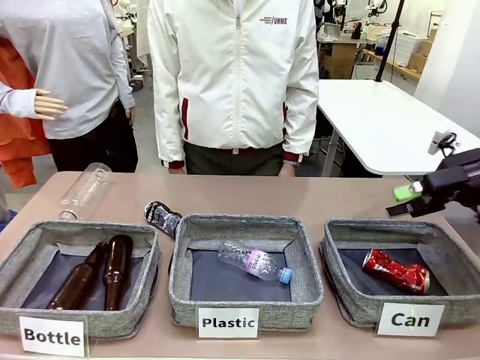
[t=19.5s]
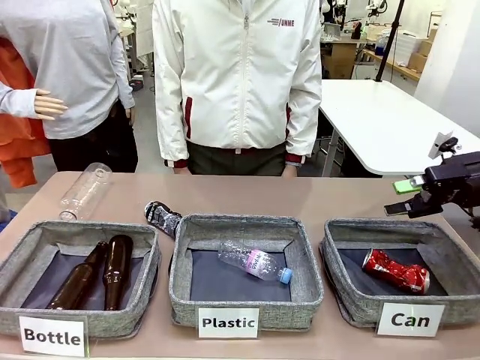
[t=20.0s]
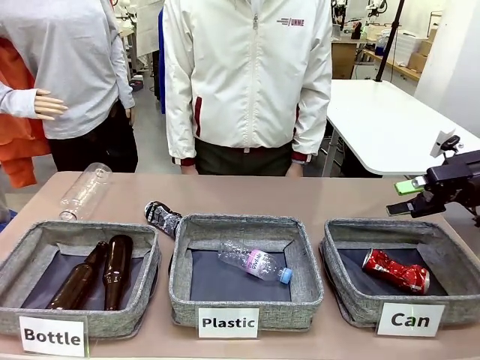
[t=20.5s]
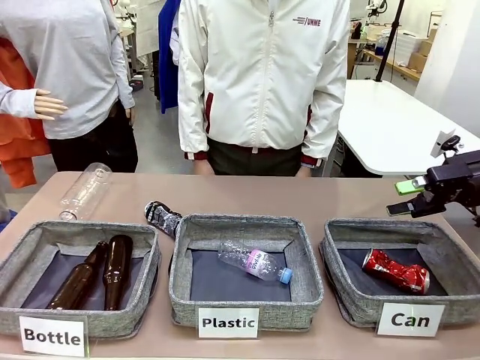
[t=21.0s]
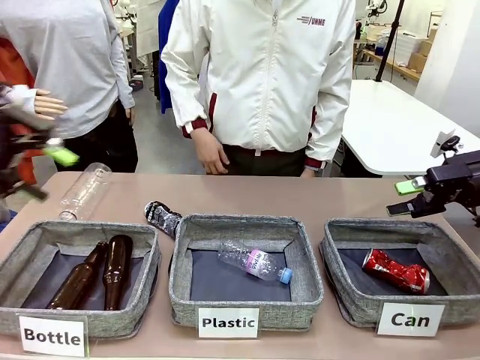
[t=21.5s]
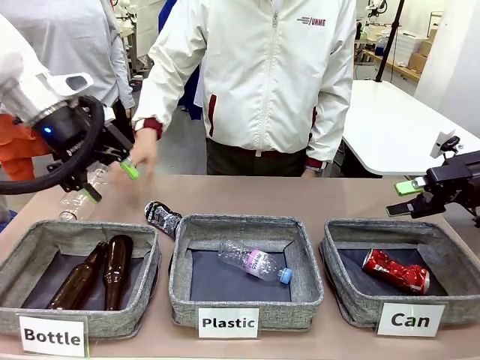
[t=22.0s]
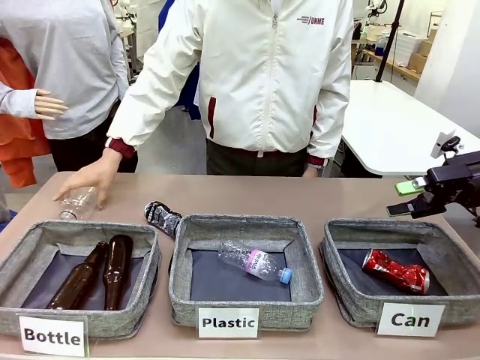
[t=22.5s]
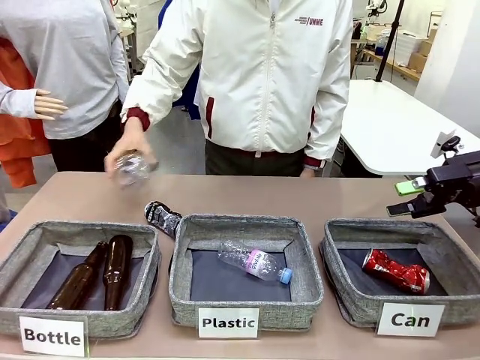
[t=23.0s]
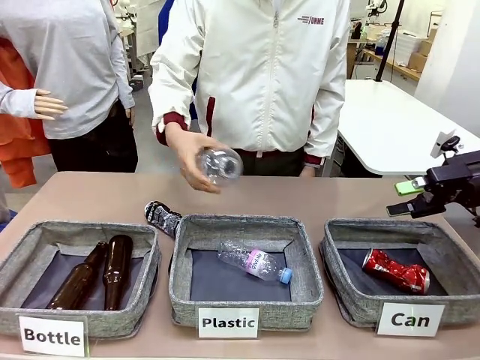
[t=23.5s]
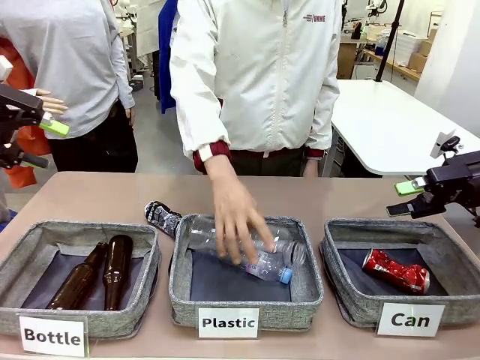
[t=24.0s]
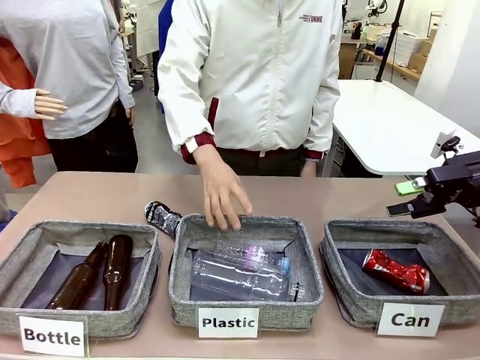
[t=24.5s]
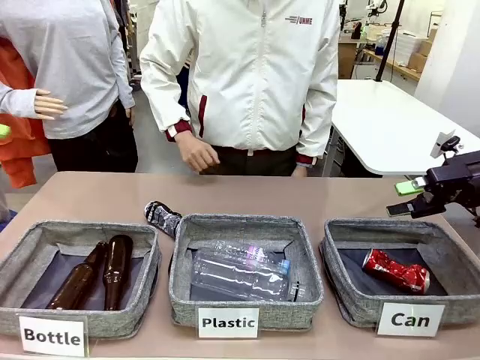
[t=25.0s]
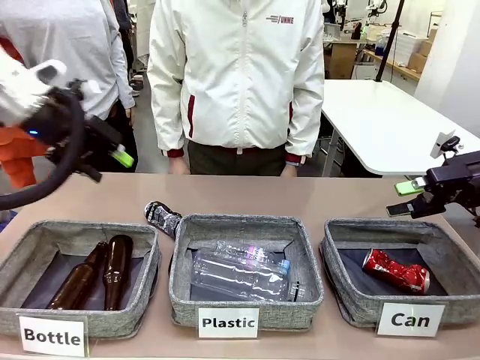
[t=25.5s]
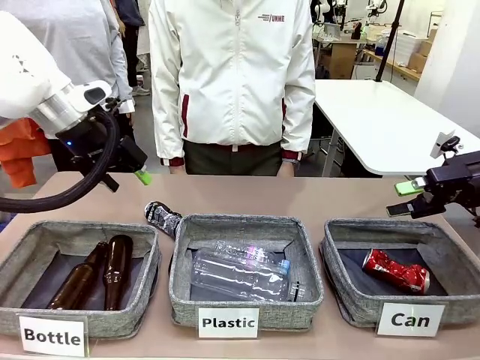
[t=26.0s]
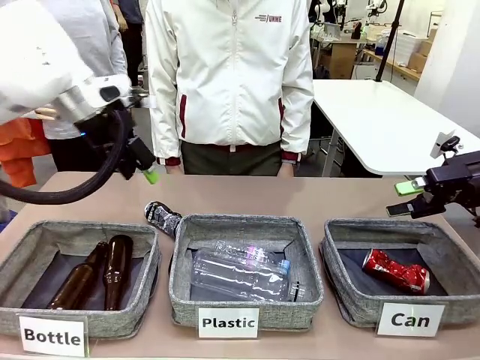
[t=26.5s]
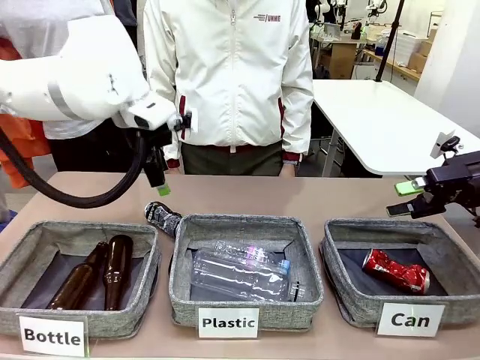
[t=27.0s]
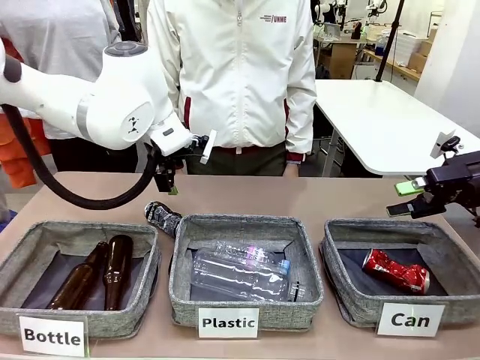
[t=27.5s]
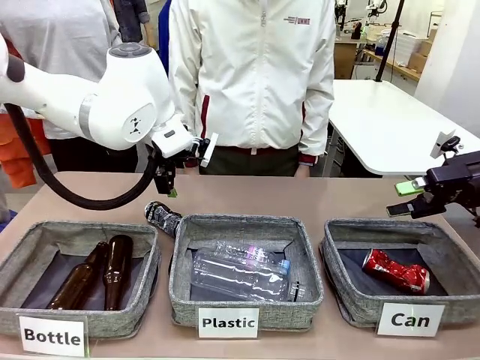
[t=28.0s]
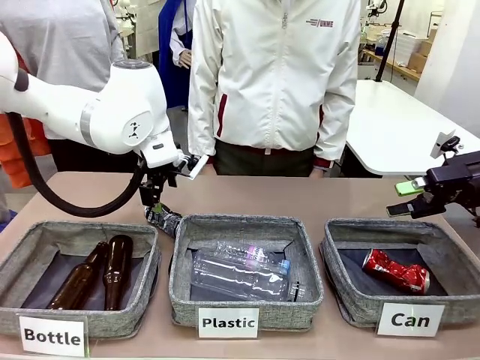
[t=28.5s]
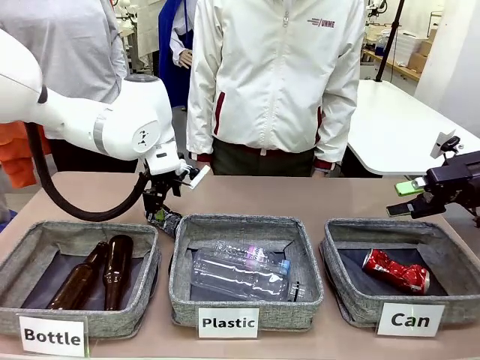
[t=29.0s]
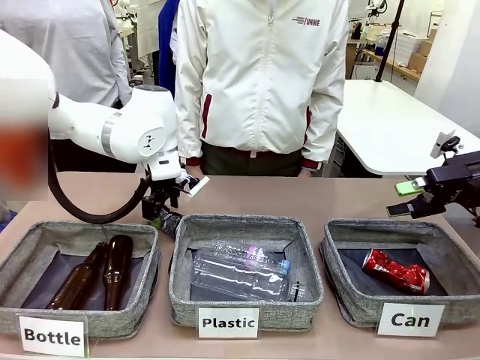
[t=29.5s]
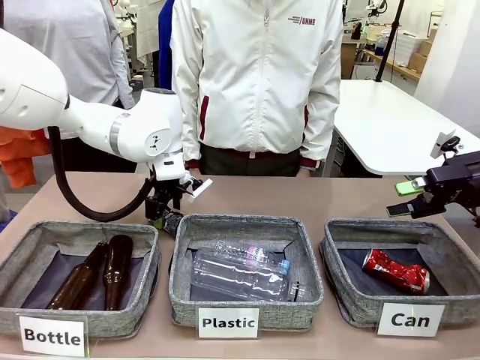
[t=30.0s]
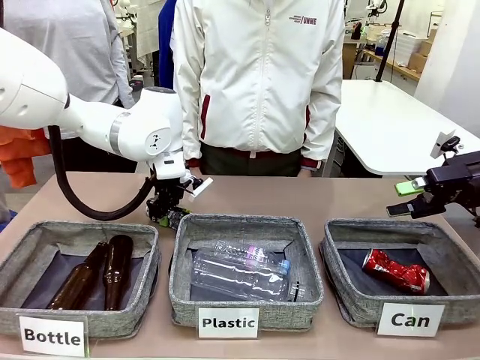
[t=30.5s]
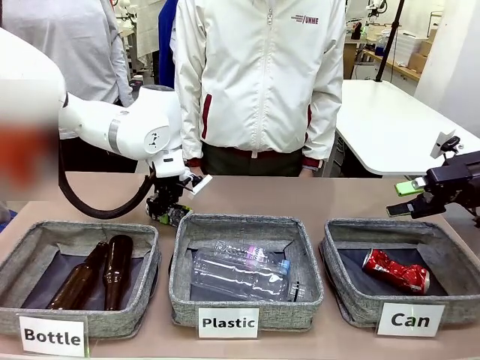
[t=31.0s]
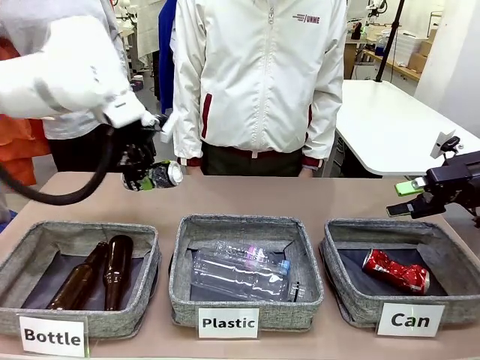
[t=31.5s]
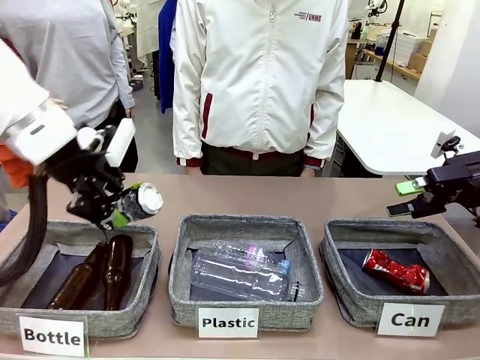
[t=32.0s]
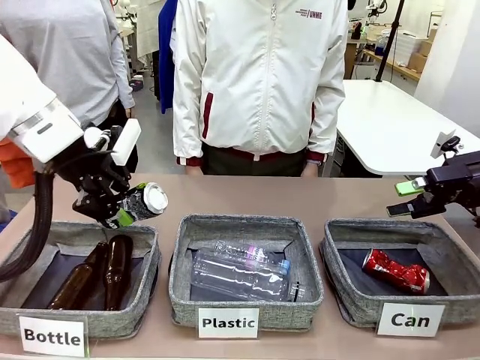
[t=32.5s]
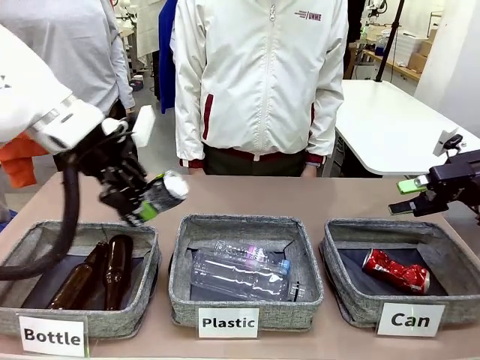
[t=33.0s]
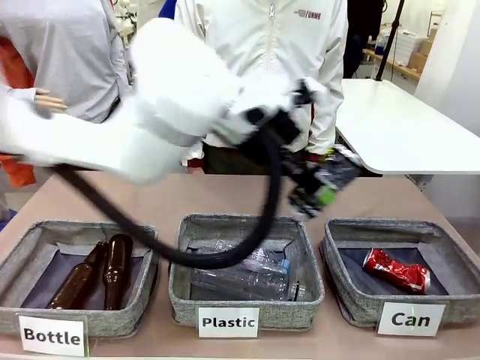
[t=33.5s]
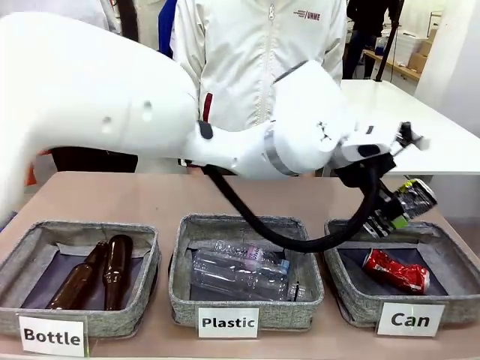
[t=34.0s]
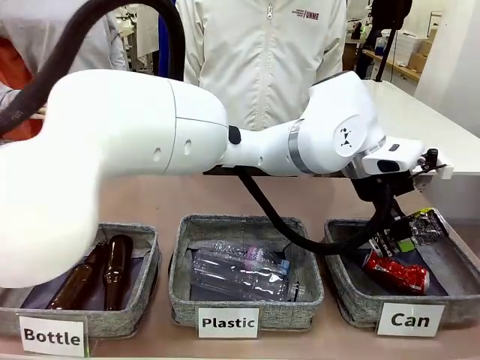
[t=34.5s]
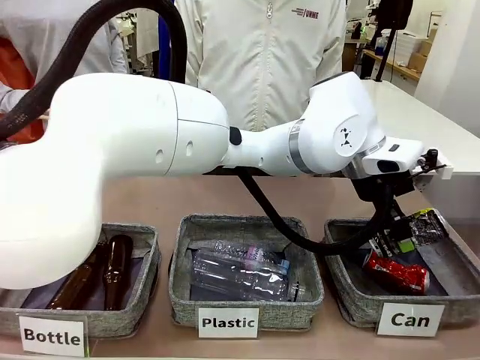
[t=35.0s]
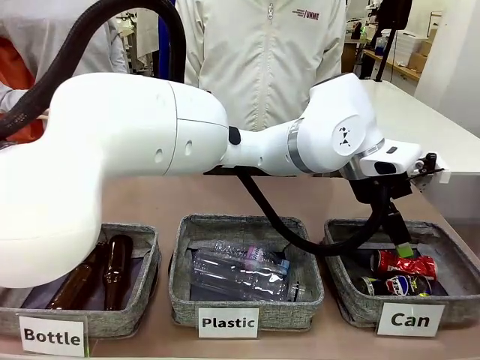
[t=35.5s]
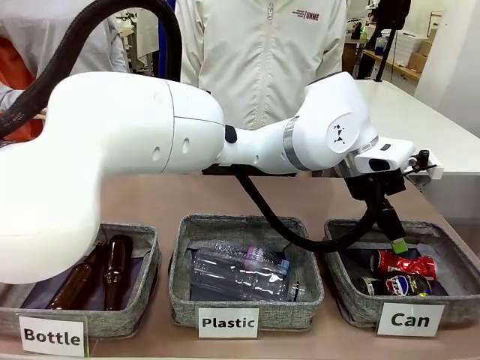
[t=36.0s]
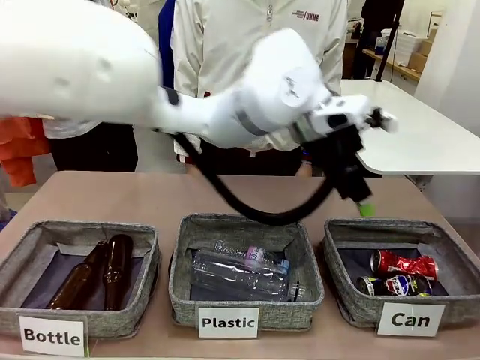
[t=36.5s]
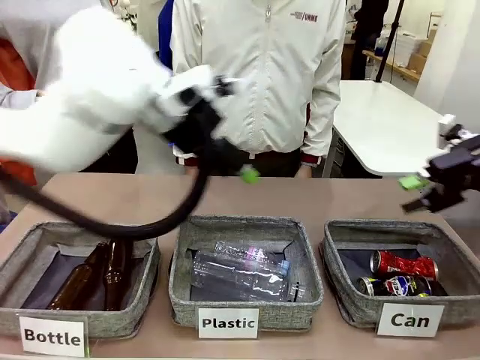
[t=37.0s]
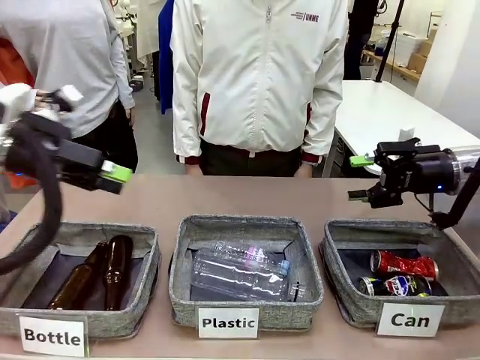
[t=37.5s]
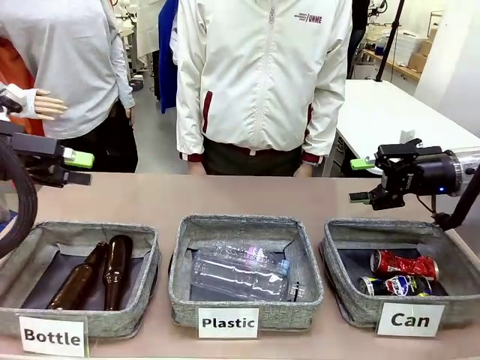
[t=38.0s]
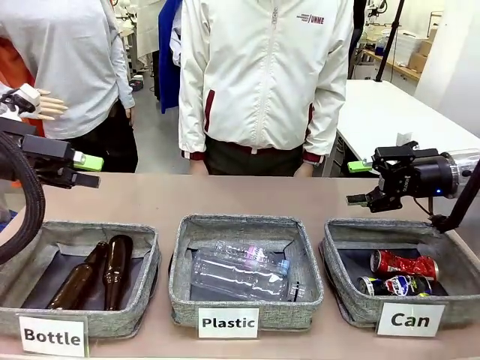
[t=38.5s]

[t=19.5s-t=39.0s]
Task: Sort the can waste into the basket.
Robot: Pick up the can waste from the table and place it in the right Fabric basket.
